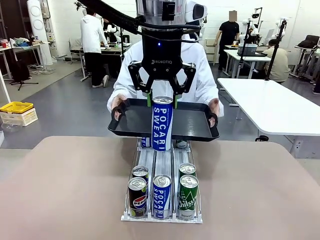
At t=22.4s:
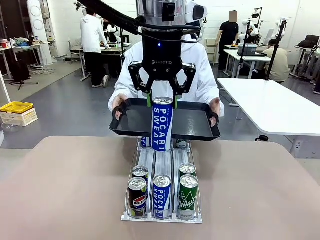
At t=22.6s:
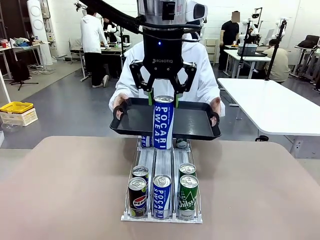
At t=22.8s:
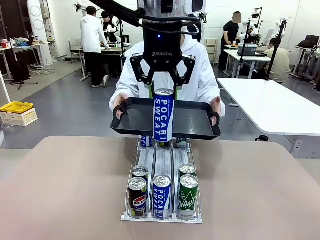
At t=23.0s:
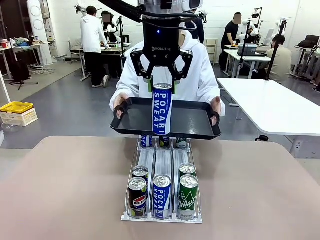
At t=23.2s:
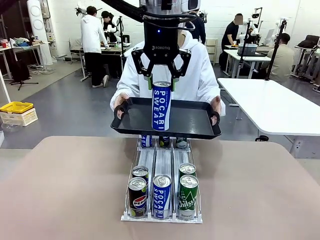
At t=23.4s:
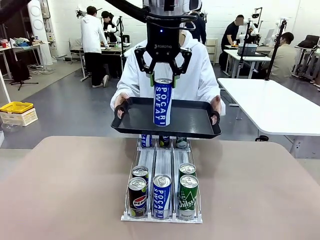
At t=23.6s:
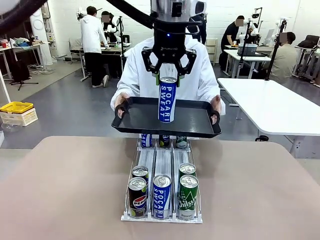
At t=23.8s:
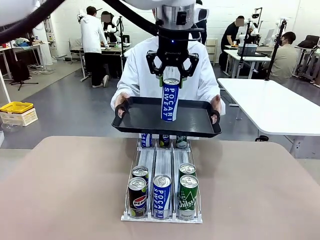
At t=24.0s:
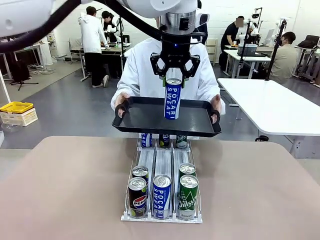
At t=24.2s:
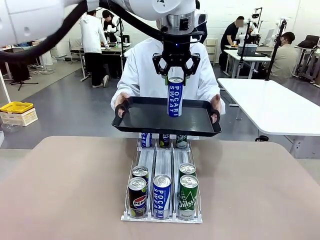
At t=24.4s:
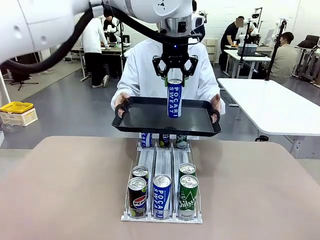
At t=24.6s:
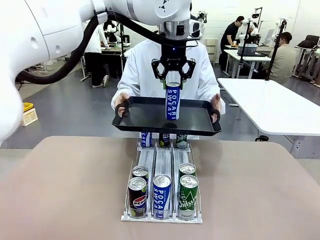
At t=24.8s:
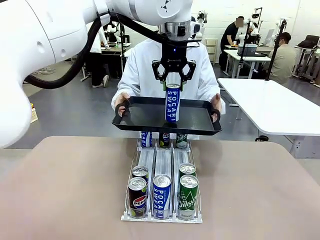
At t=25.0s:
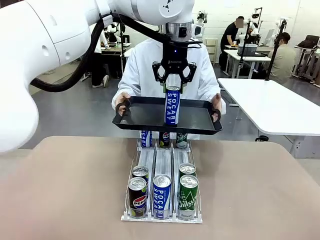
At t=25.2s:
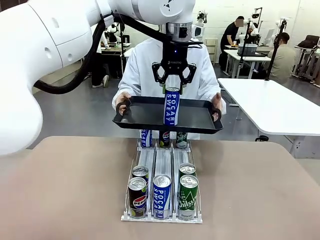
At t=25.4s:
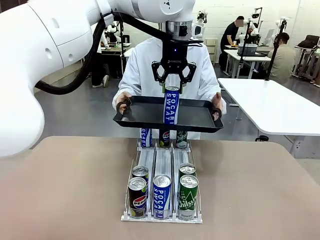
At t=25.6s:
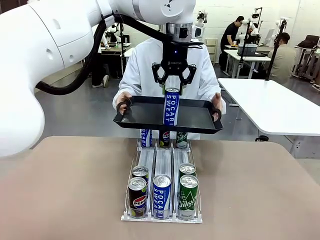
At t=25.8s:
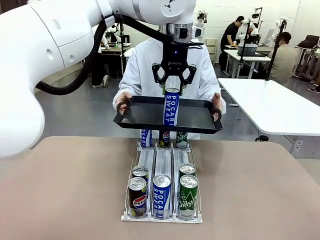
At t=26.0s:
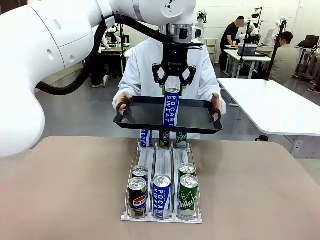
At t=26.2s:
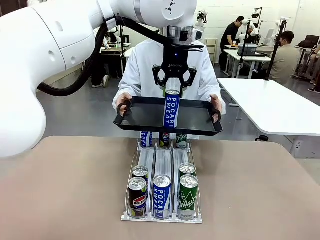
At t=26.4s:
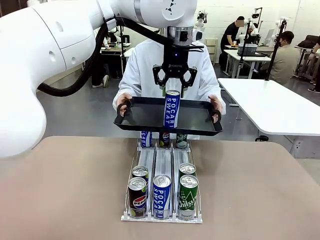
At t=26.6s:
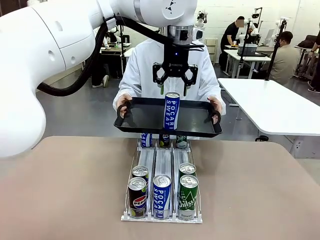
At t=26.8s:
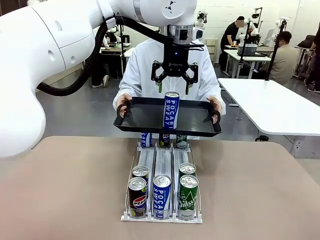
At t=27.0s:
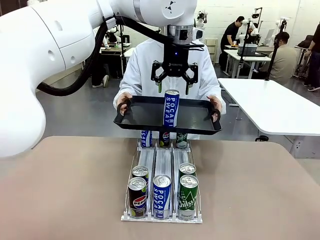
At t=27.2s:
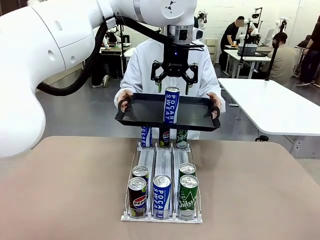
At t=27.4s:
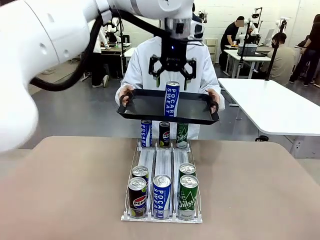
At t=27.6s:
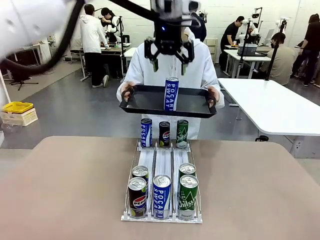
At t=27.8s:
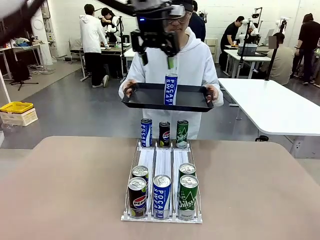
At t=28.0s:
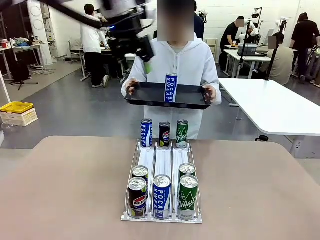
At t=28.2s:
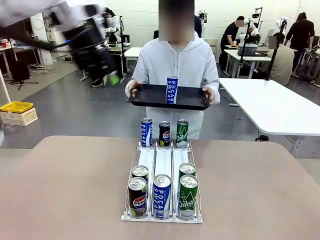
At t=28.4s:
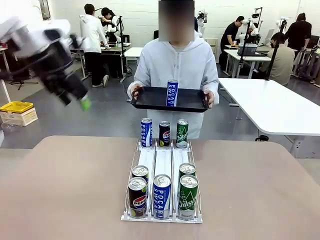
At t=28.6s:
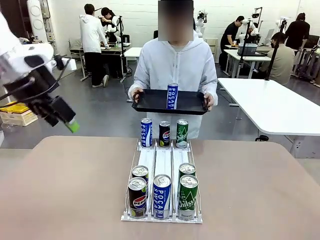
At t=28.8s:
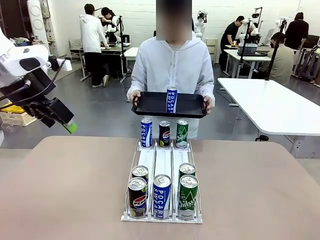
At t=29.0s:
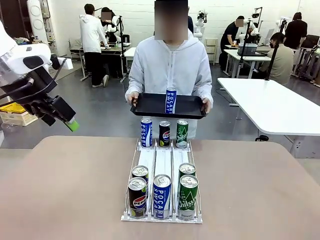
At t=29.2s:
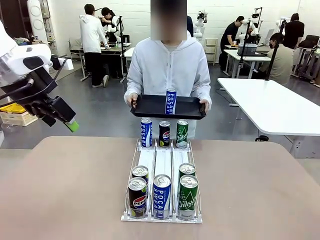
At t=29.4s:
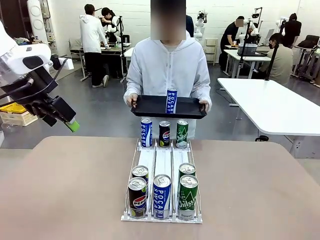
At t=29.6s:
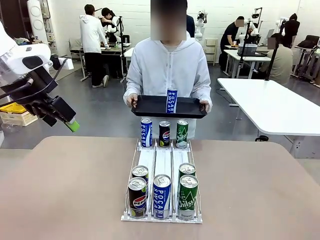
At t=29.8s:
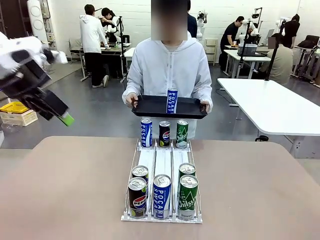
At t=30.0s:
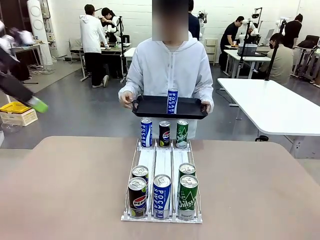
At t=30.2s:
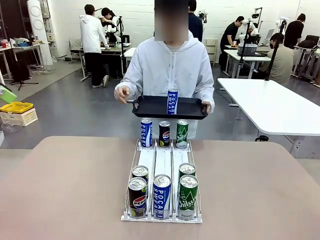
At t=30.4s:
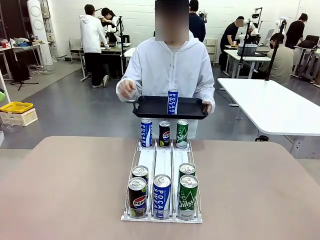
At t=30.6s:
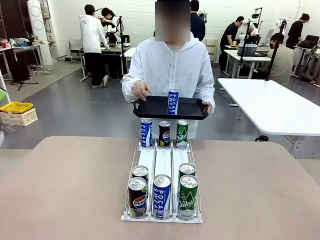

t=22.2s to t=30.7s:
Task: Retrieve and hand over the desired beverage to the person.
Robot: Place the picked can on the Handle tray extended by the person.
Person: Pull the tray back, then pick up another can from the bottom area of the table and puts it back in its original place.

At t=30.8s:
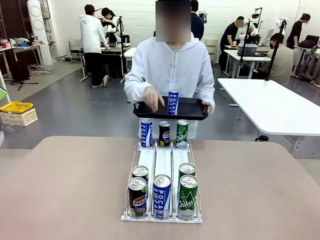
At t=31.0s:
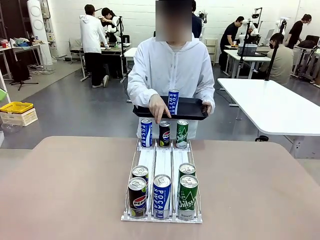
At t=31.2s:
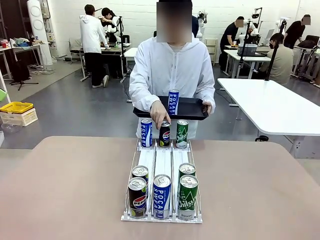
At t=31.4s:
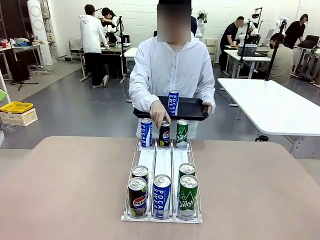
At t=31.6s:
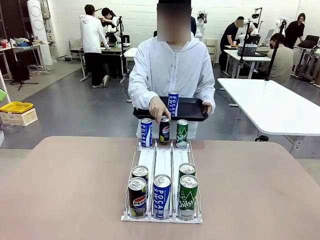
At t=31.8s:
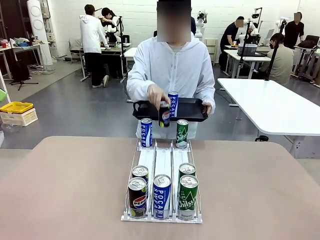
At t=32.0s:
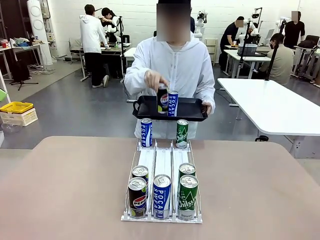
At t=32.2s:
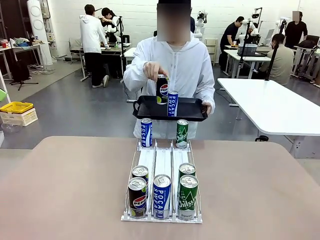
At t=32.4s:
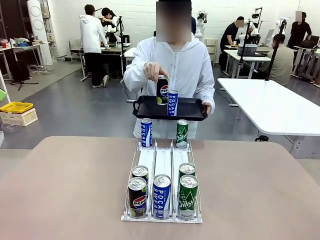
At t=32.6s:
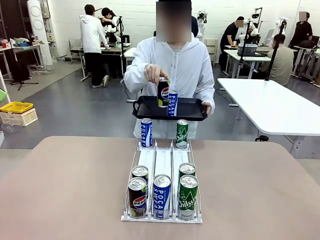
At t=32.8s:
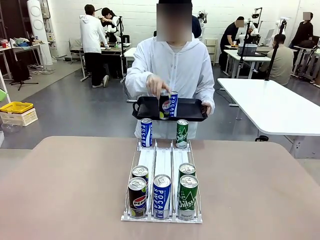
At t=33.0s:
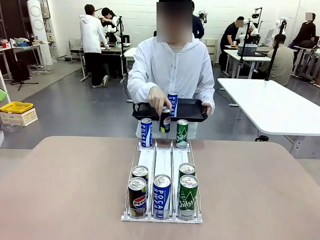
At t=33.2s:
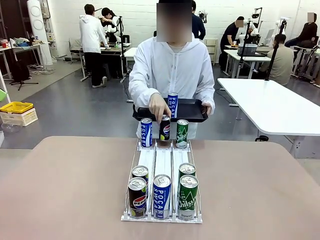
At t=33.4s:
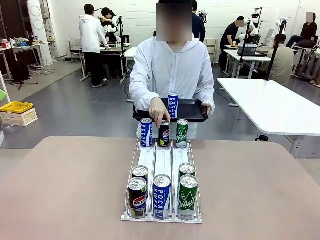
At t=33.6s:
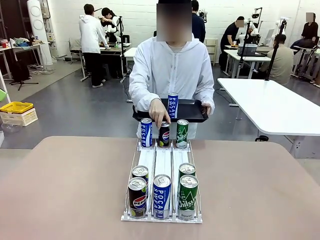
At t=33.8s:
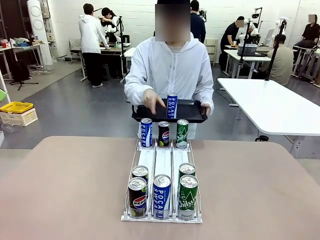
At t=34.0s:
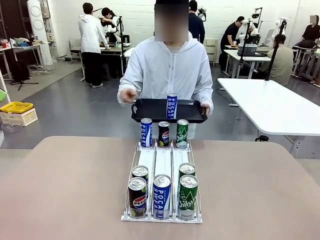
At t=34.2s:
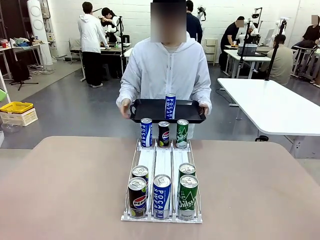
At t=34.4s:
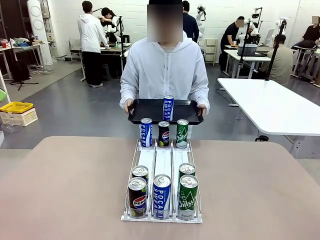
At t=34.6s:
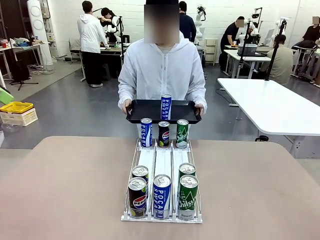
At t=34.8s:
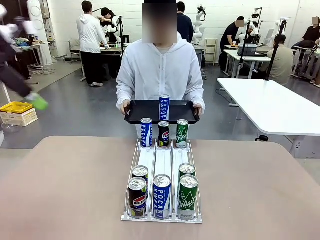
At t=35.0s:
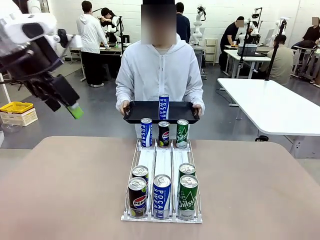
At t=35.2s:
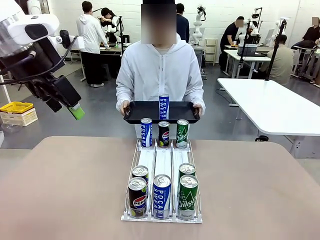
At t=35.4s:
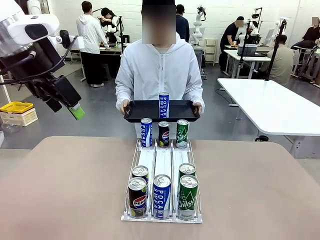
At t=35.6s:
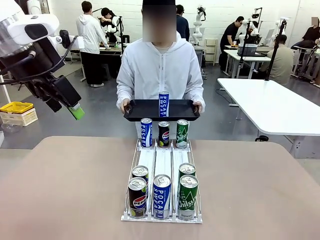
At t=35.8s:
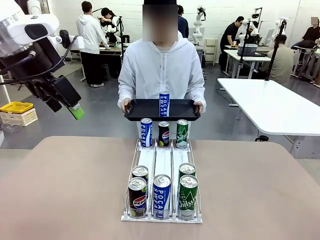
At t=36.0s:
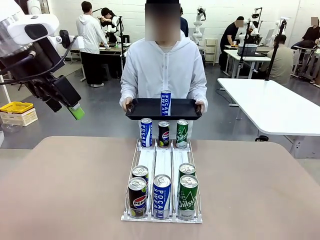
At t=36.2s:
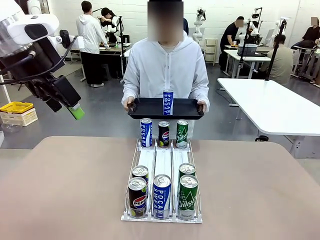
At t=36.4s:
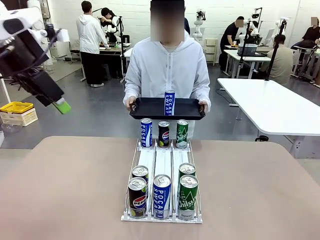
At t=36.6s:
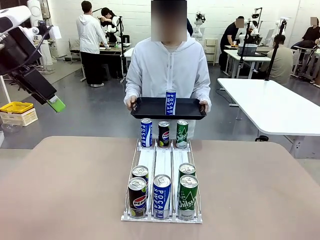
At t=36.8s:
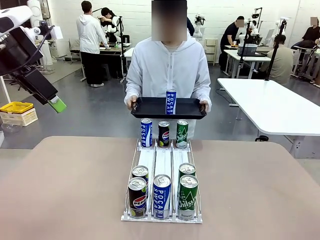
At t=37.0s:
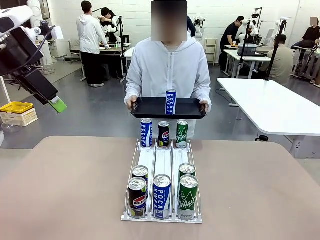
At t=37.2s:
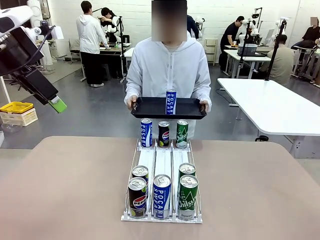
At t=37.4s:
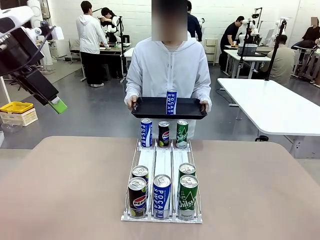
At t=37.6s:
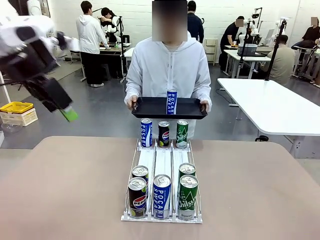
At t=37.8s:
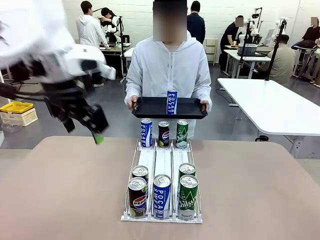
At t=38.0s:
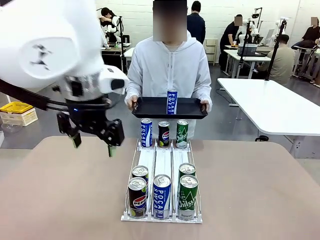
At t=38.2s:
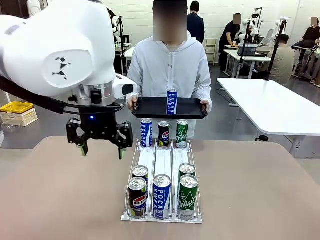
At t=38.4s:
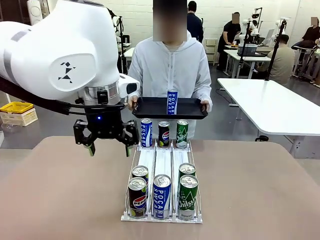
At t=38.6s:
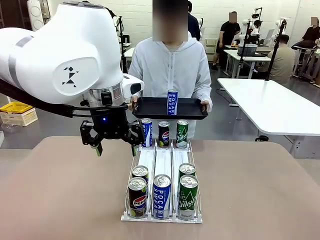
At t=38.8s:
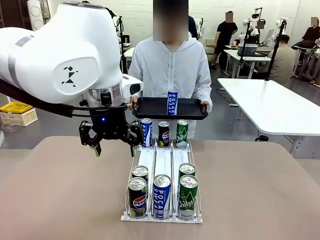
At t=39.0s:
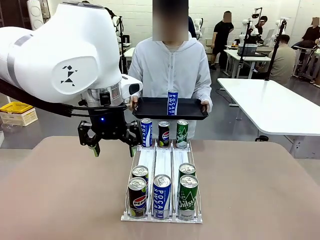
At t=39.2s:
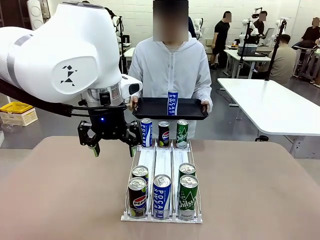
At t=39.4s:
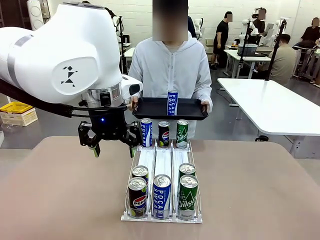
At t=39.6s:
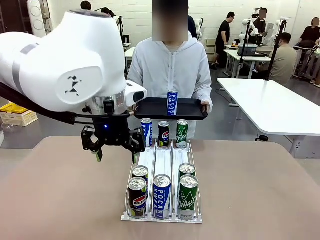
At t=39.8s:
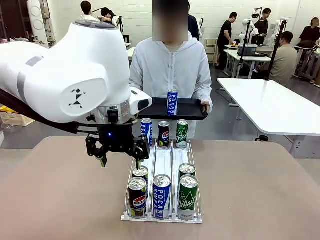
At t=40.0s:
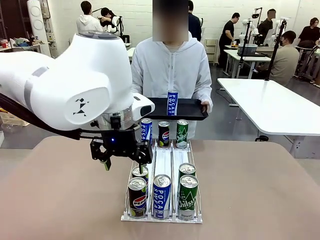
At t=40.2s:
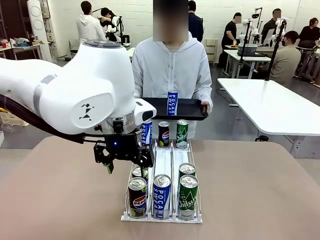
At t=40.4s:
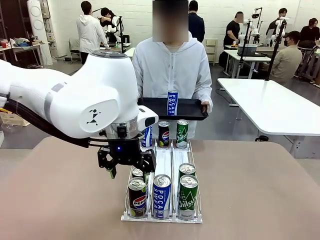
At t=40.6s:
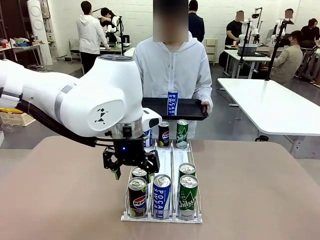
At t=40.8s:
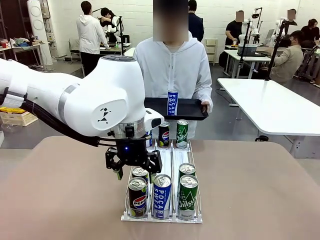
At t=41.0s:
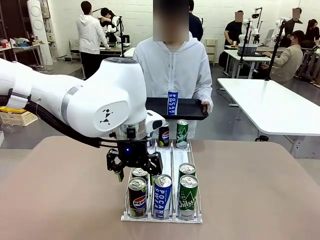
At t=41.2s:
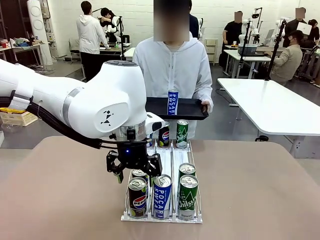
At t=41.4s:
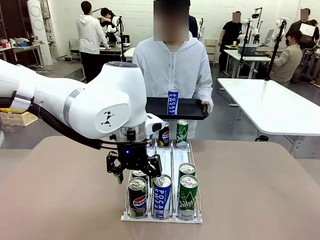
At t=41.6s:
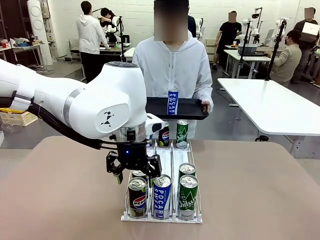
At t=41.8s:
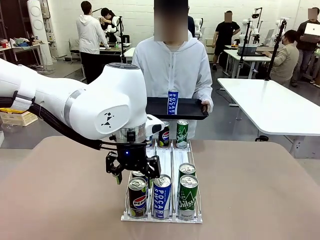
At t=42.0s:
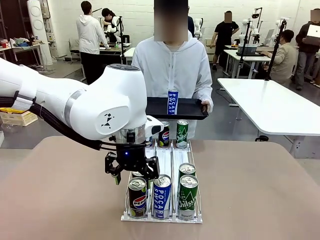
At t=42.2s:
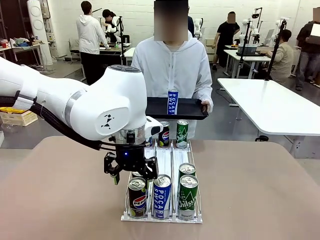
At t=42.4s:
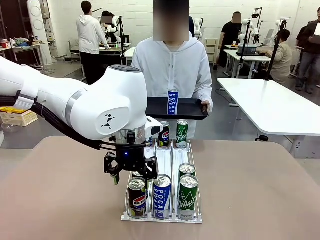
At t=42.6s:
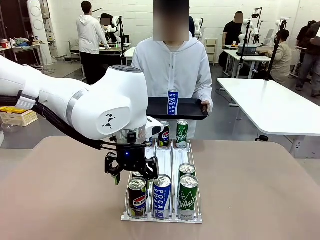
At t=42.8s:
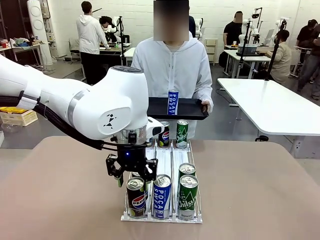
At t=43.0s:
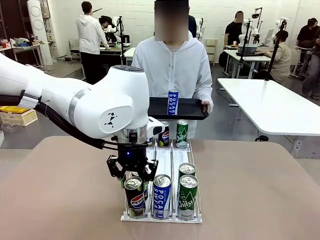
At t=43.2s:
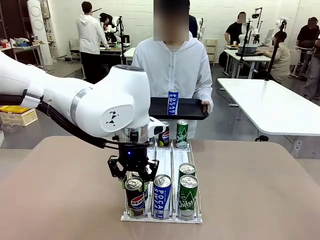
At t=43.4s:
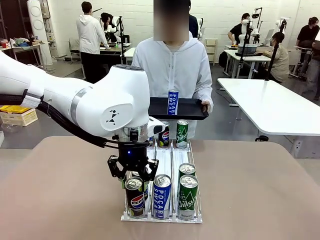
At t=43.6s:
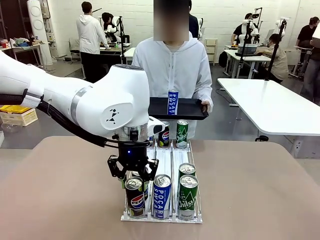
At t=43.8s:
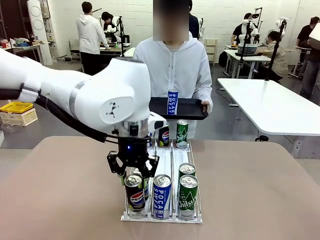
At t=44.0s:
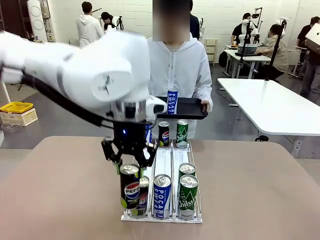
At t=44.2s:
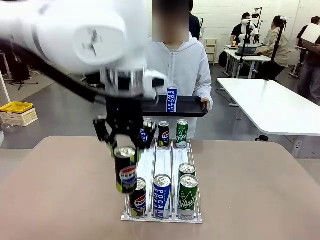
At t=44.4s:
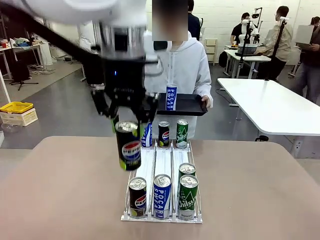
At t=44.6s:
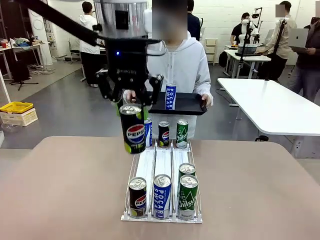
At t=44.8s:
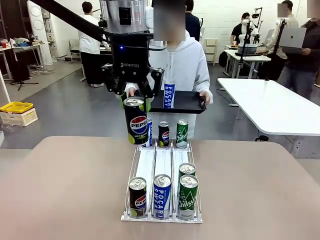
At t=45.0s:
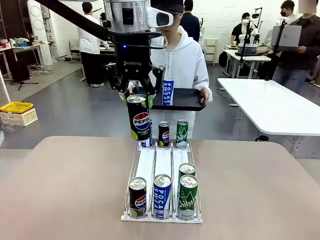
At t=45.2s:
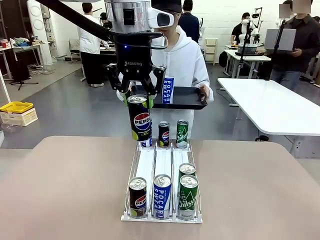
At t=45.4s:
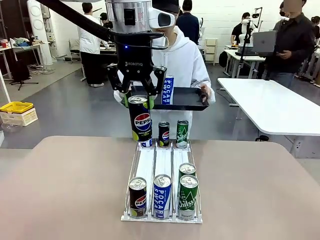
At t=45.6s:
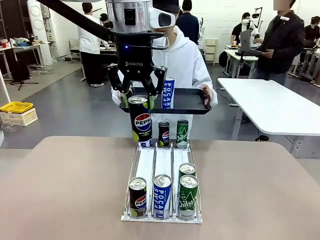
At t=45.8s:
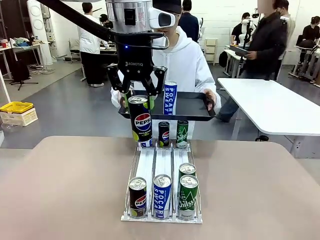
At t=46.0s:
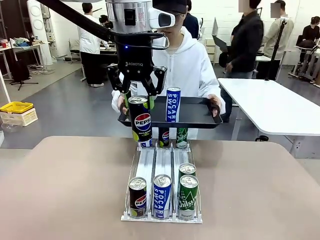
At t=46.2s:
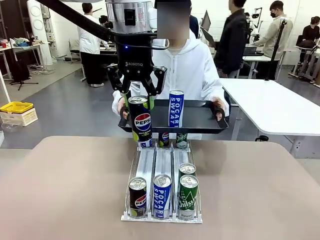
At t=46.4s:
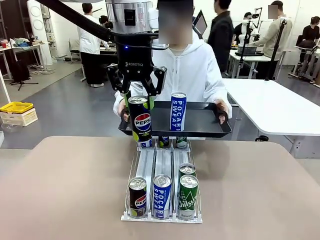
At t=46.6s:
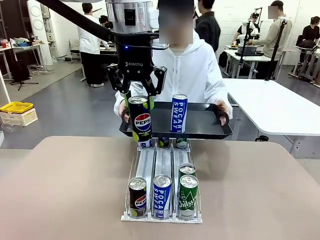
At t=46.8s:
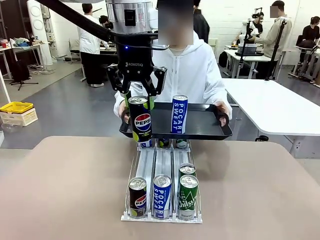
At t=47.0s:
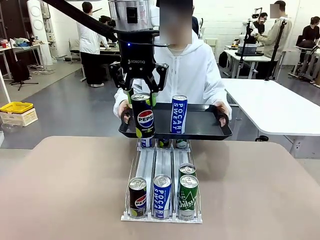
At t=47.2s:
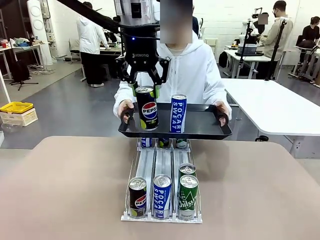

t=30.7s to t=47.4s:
Robot: Pick up another can of the same type that the person held from the Automatic Can Dispenser.
Person: Push the tray toward the robot again.
